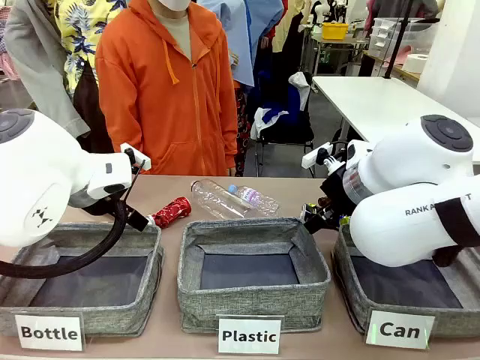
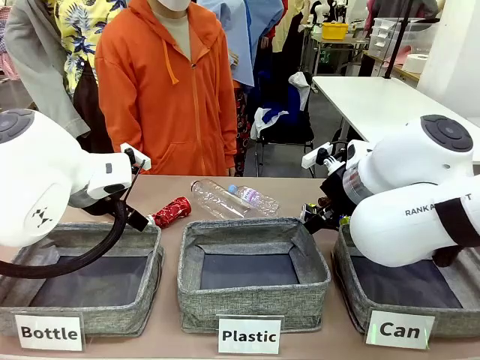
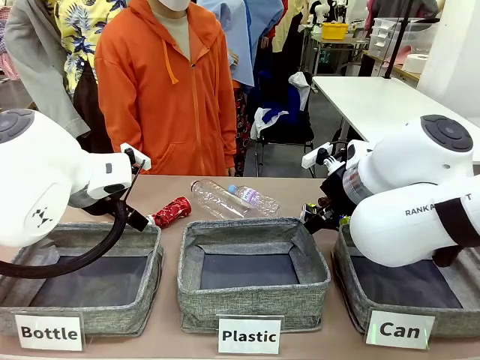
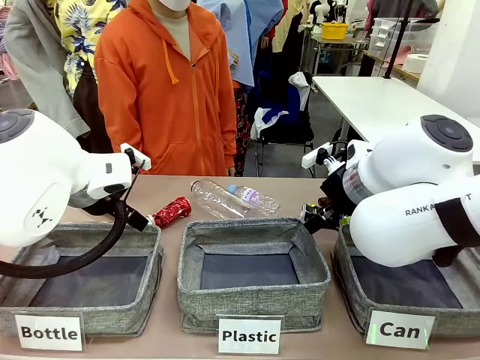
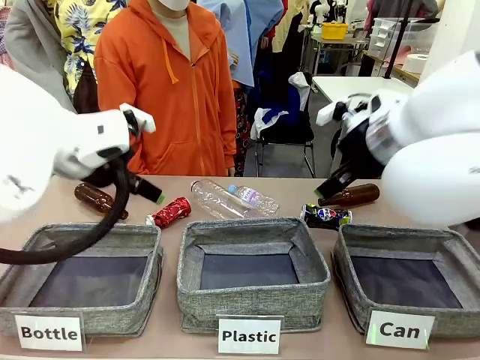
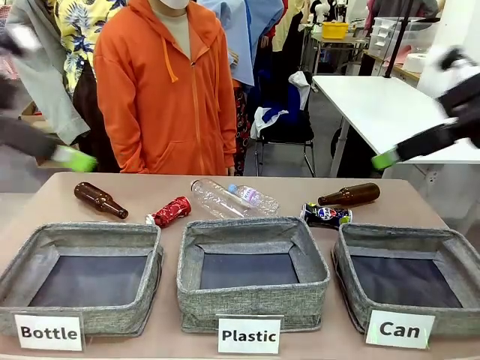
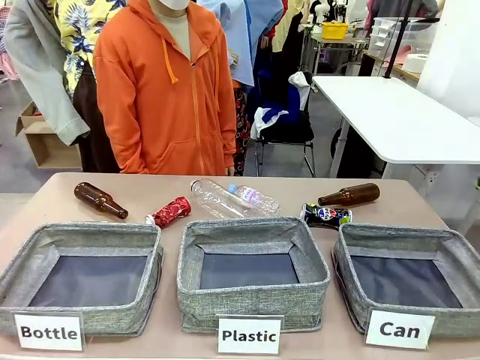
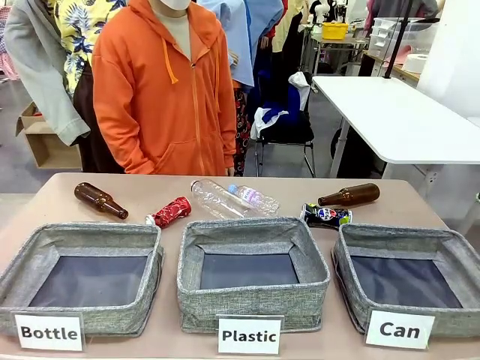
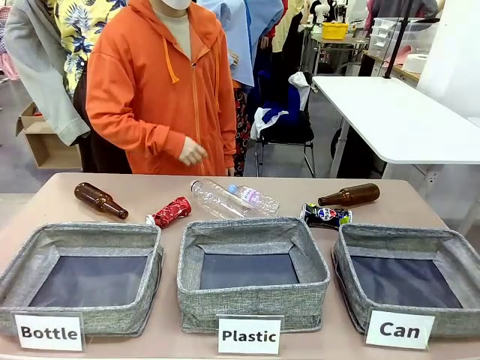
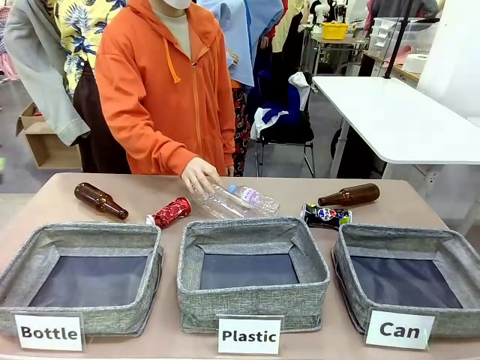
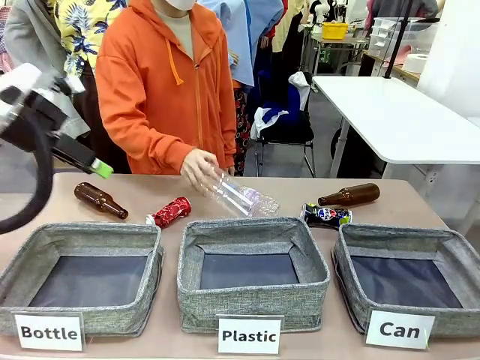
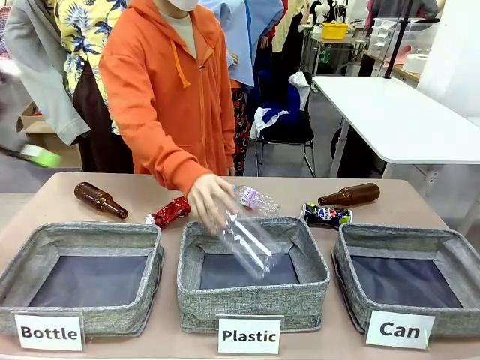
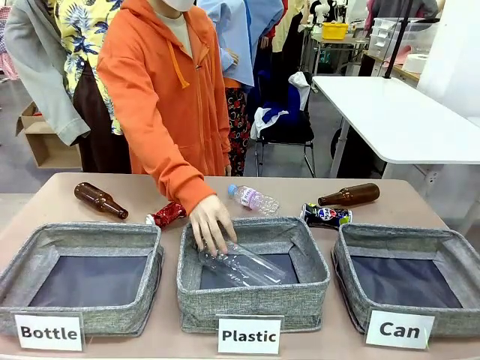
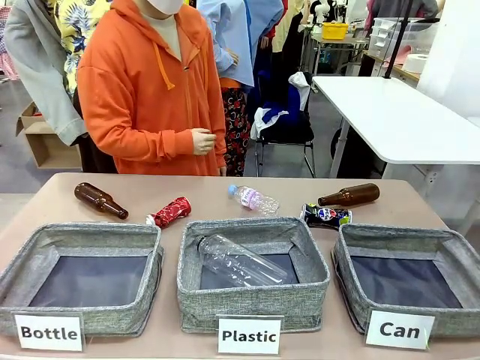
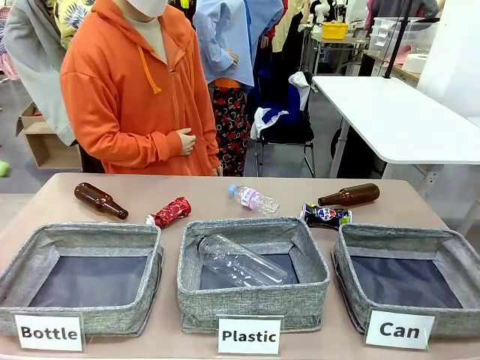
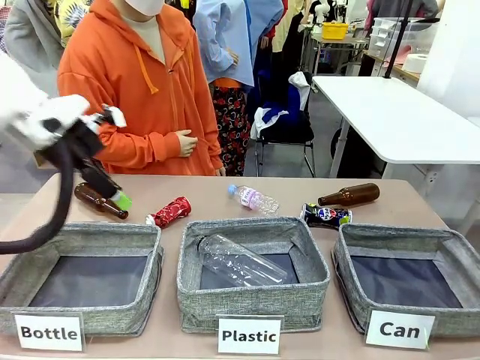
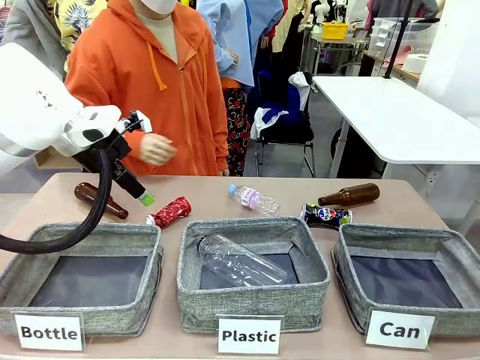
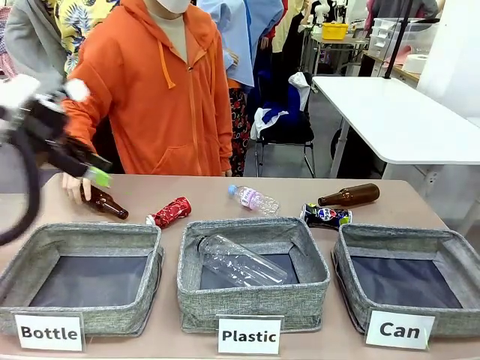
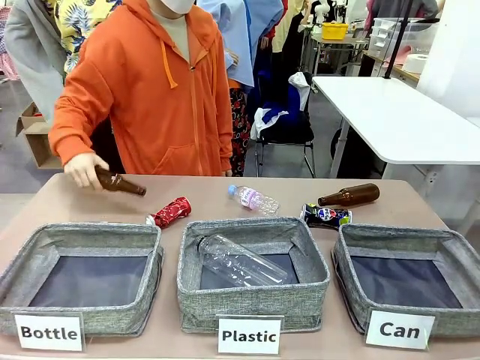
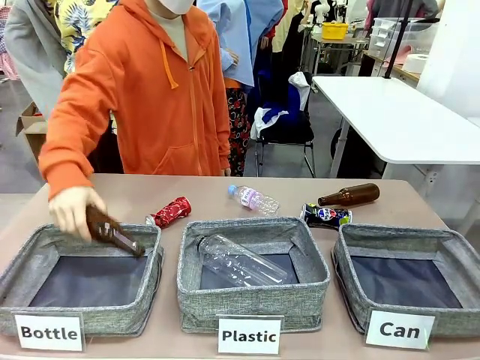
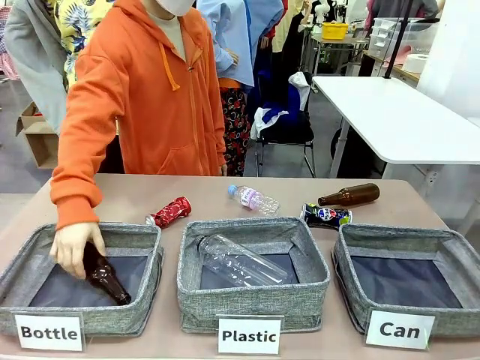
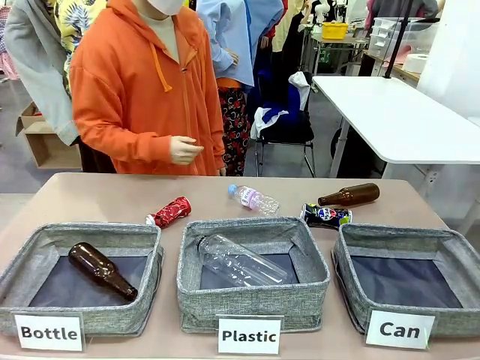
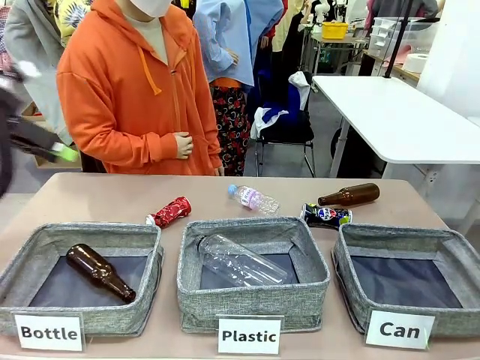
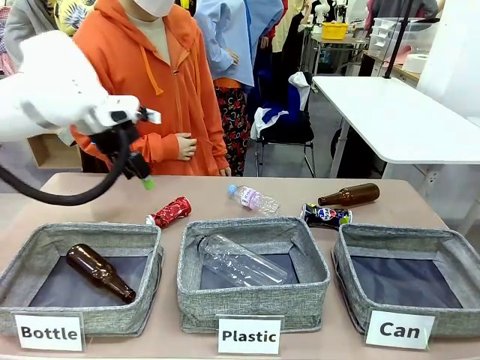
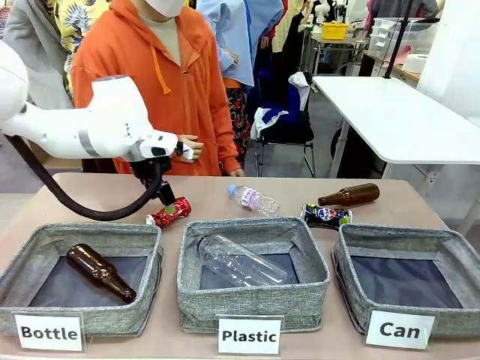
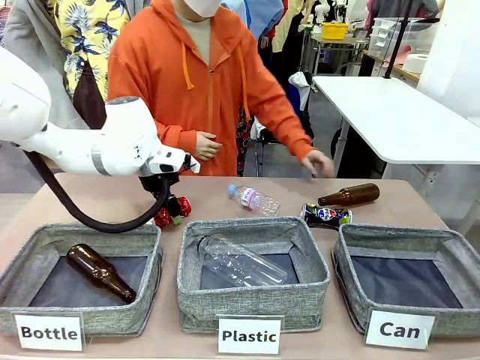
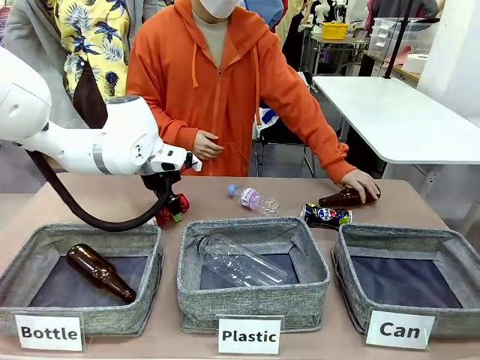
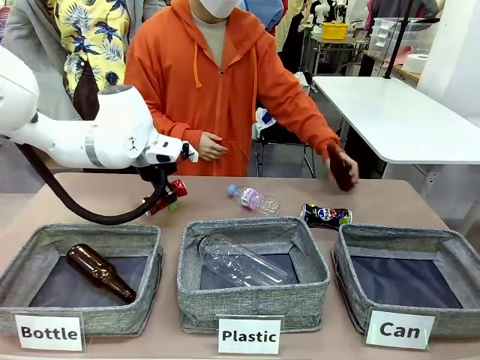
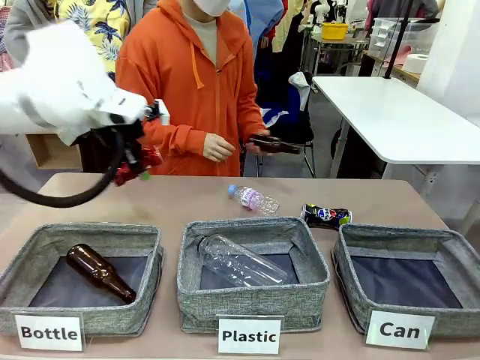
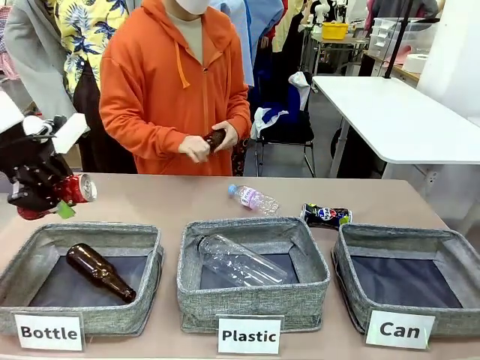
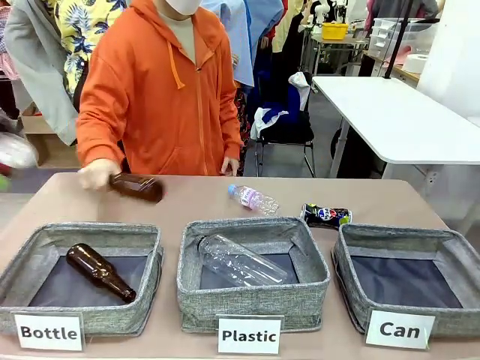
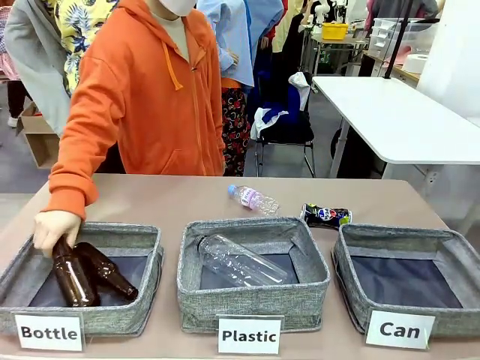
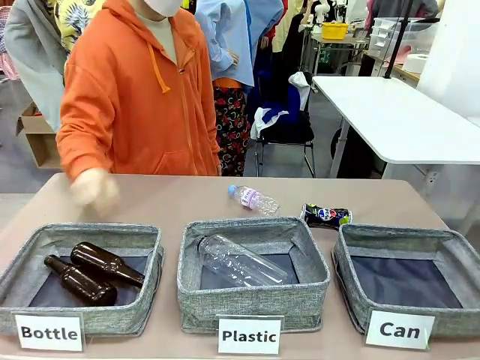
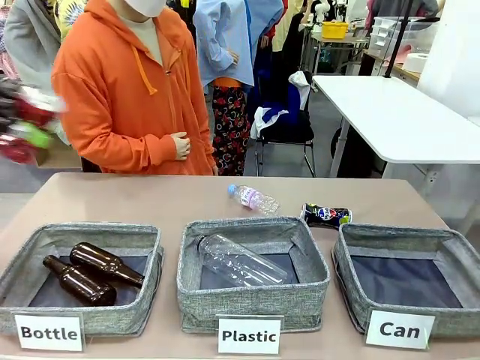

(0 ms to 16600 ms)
Task: Sort the can waste into the basket.
Robot: Pick up the can waste from the table and place it in the right Fabric basket.
